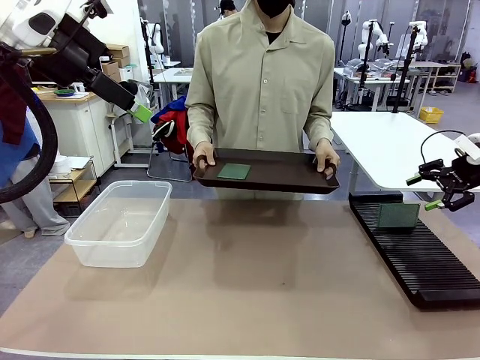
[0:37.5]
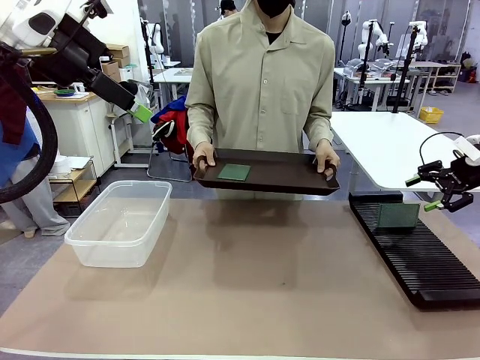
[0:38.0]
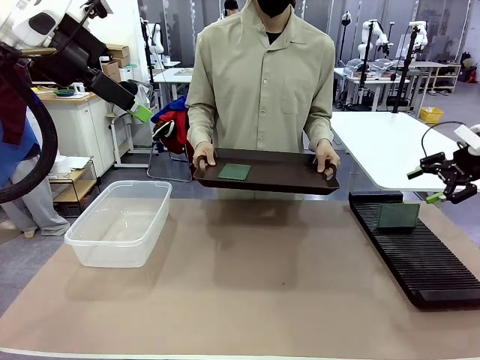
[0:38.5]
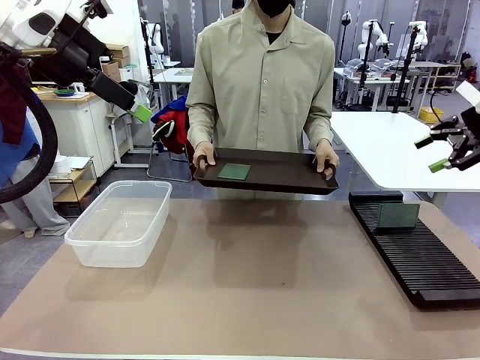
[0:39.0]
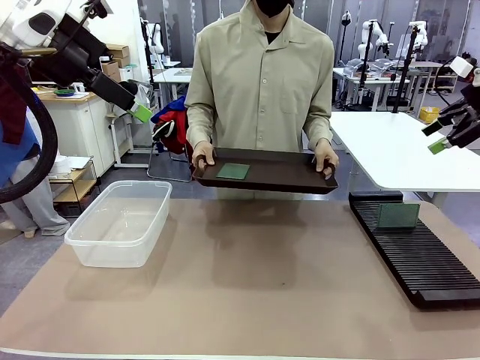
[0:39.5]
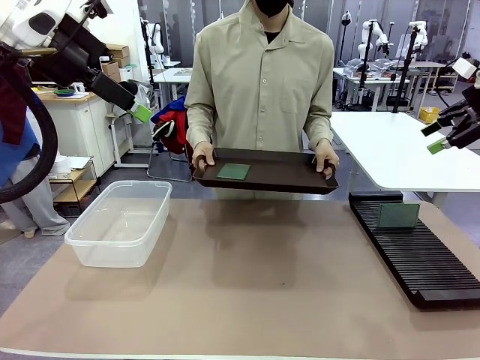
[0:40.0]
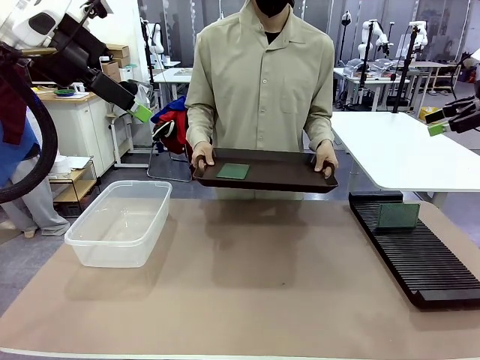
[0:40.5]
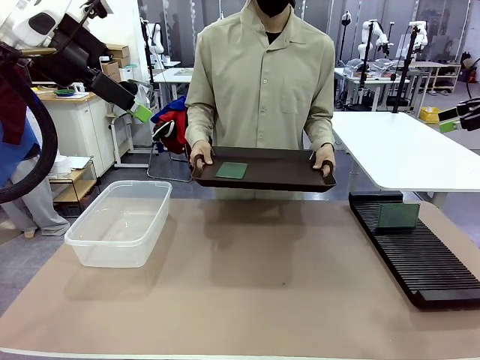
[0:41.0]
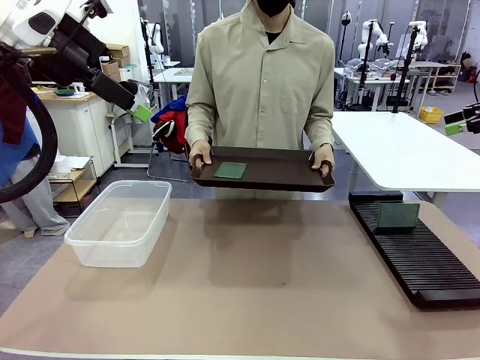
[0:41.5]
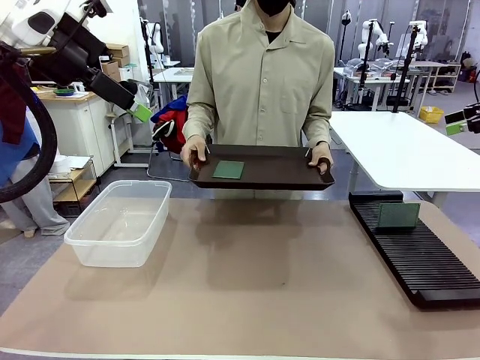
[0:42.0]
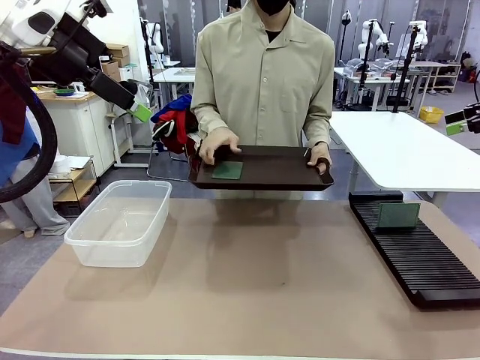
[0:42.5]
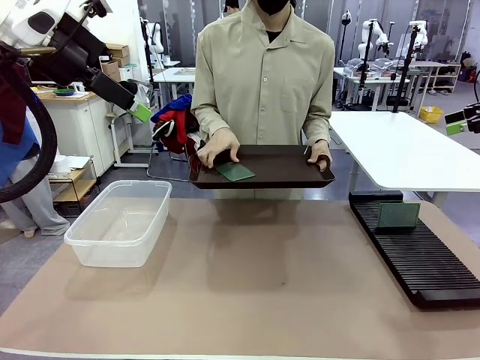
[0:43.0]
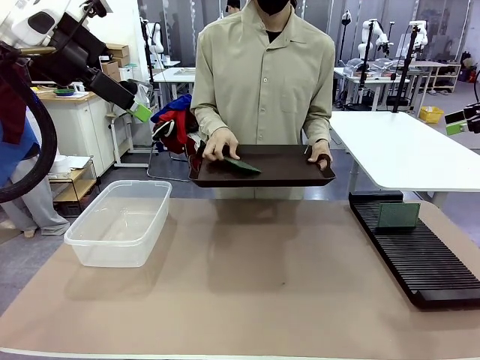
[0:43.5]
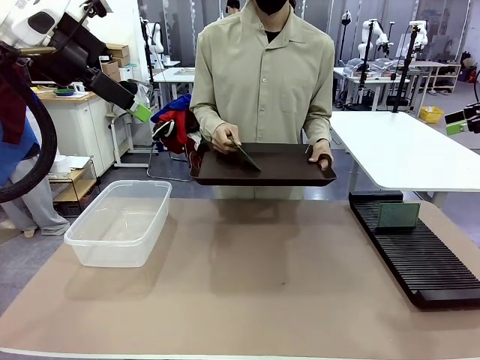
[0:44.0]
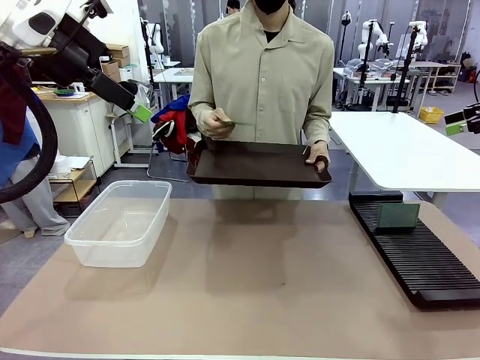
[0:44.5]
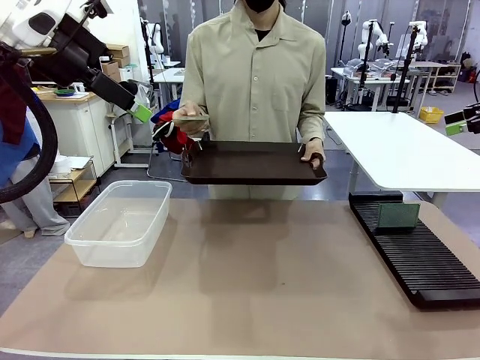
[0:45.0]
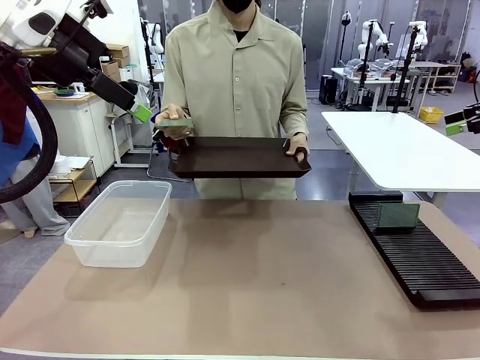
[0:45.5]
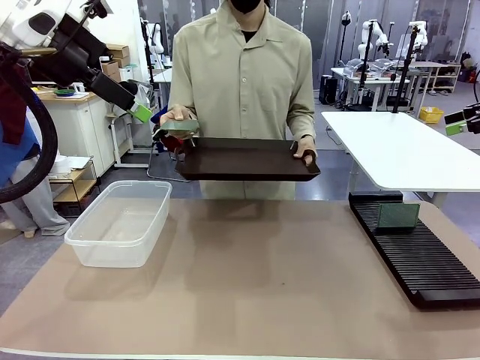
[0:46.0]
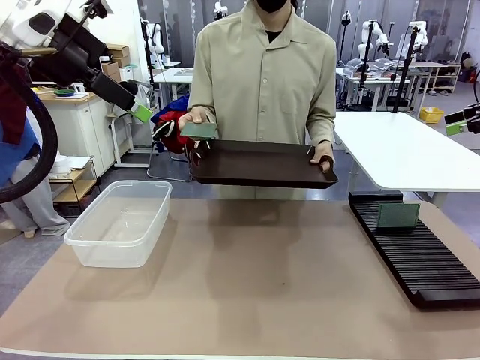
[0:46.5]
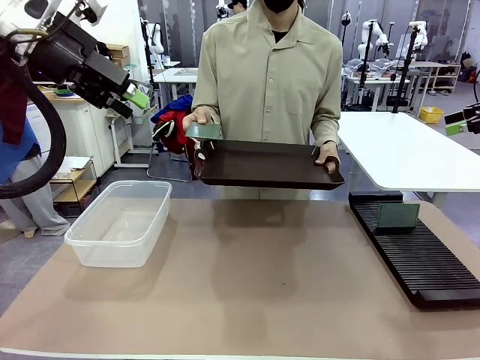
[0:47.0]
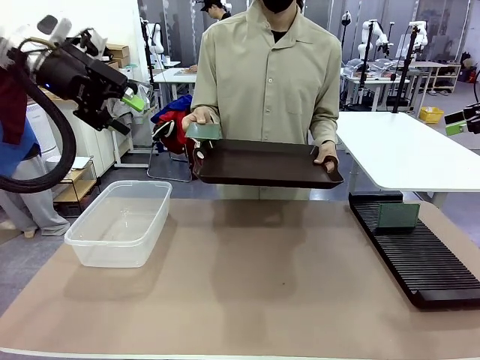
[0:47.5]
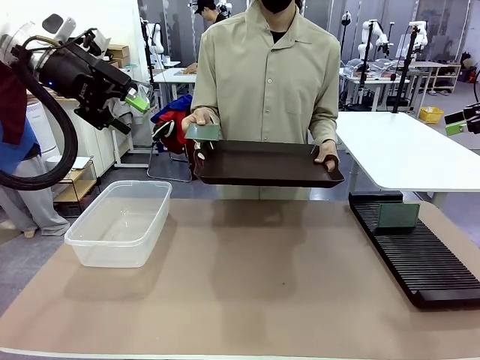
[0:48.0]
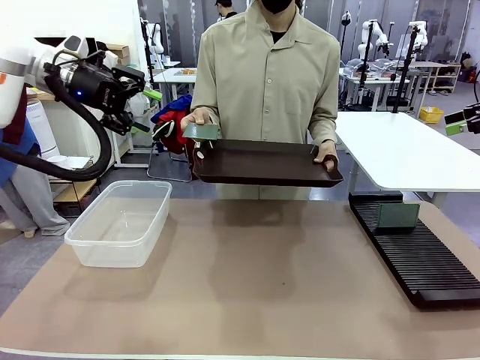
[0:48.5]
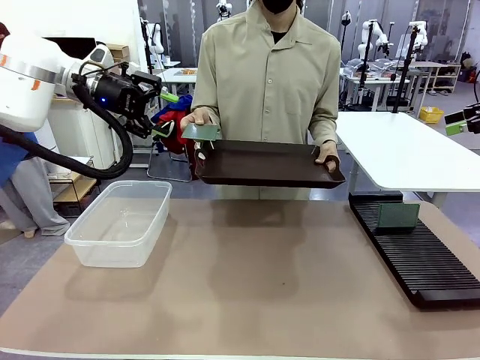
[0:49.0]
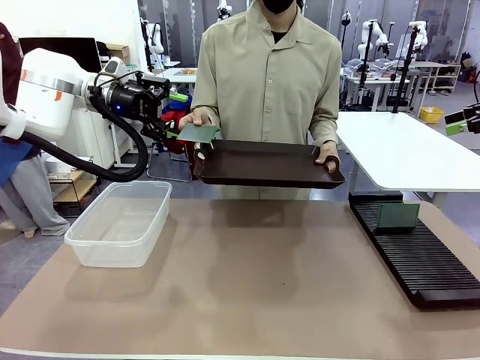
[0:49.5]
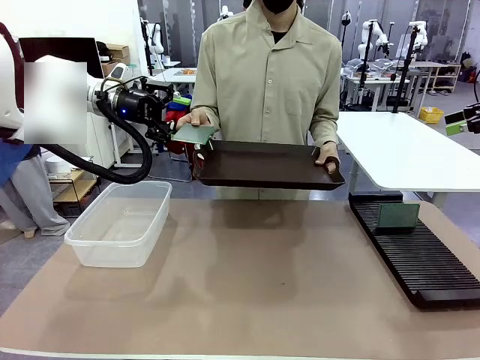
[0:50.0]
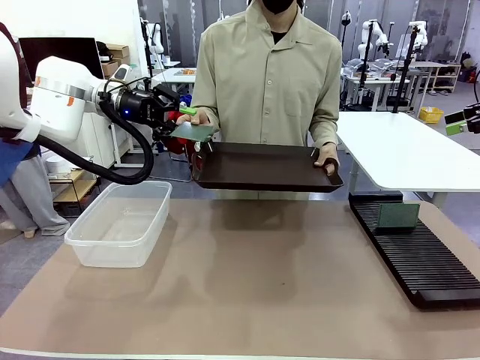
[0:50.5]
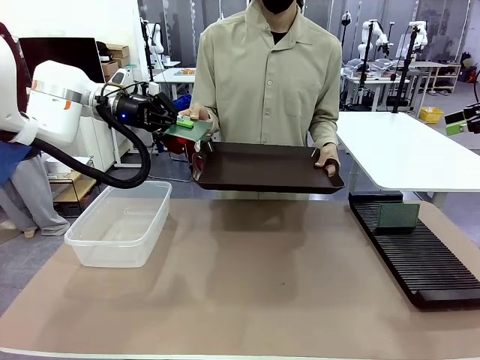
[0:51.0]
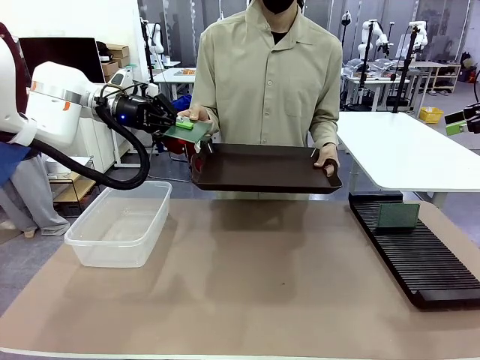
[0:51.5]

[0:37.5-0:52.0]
Task: Sort PCBs into racks and boxes based on the side picked up.
Robot: Pick up the Blank PCB handed by the Human.

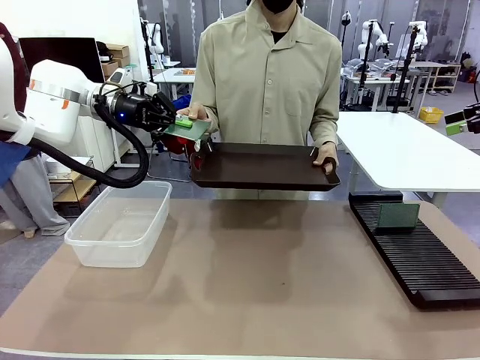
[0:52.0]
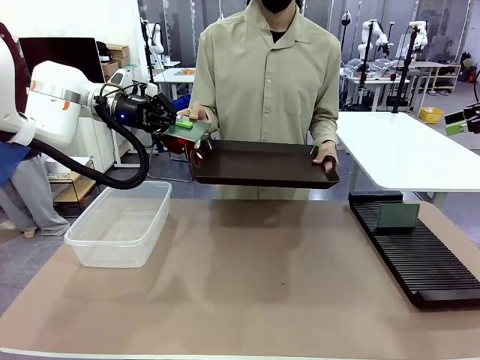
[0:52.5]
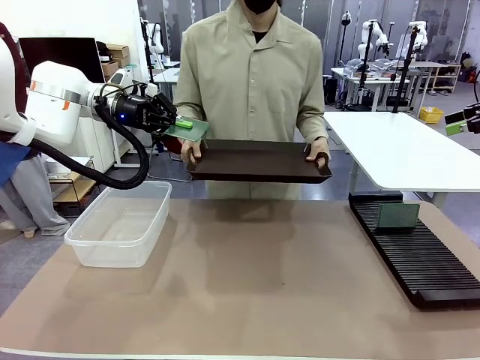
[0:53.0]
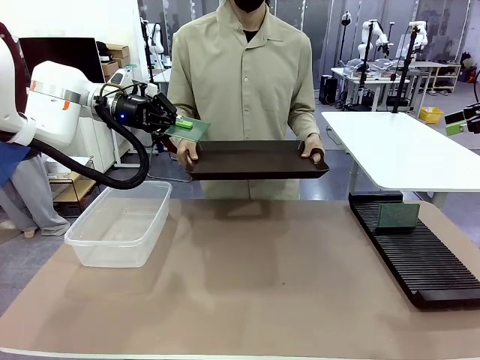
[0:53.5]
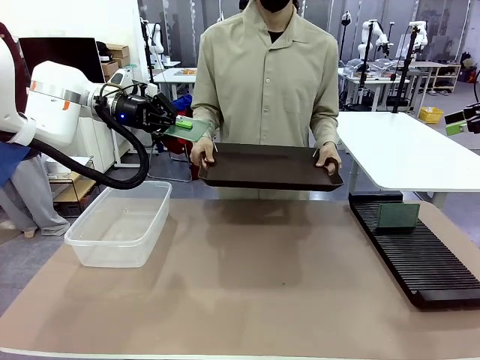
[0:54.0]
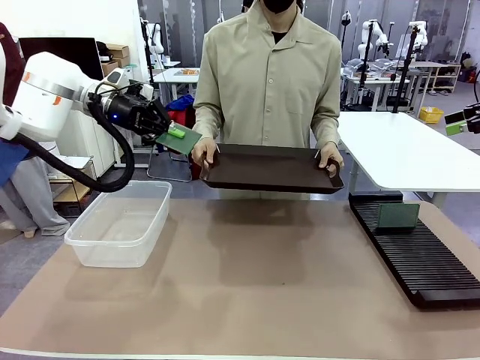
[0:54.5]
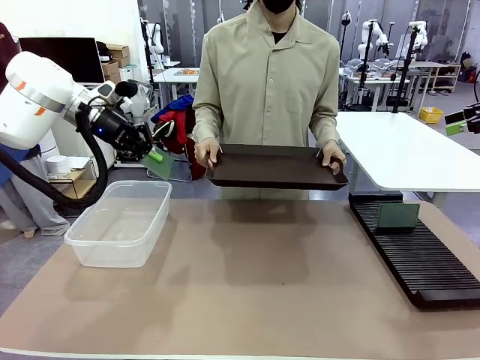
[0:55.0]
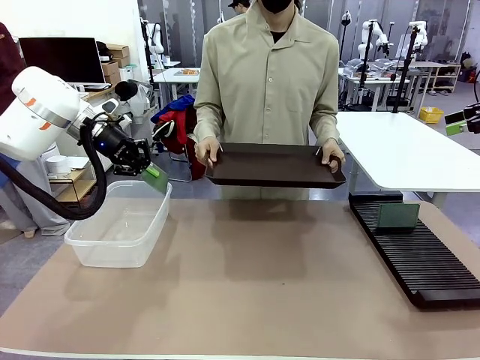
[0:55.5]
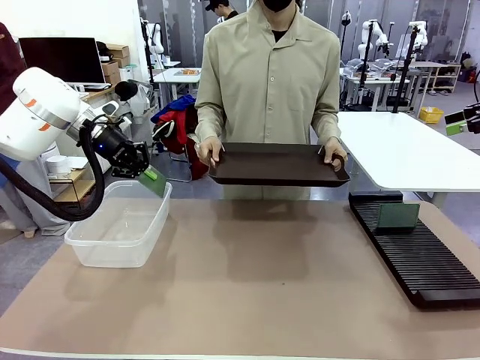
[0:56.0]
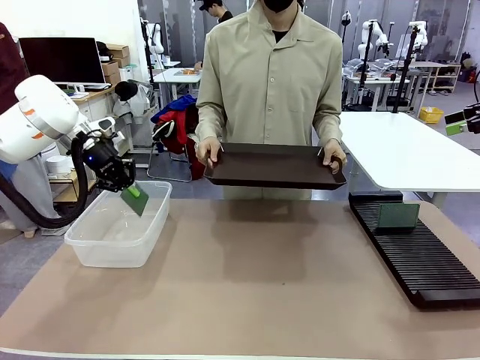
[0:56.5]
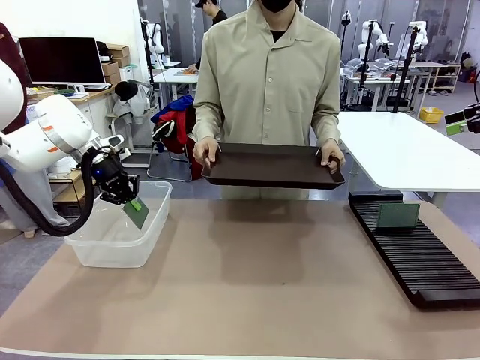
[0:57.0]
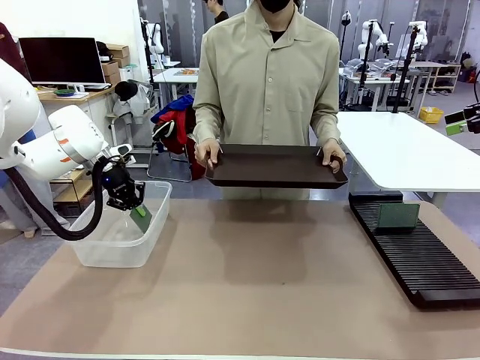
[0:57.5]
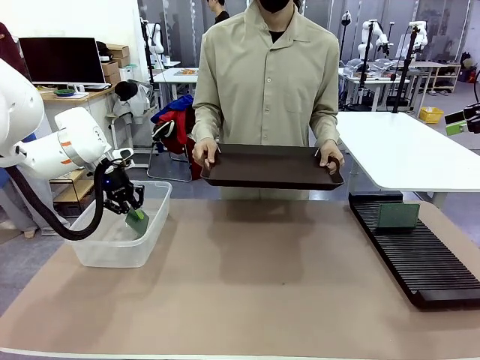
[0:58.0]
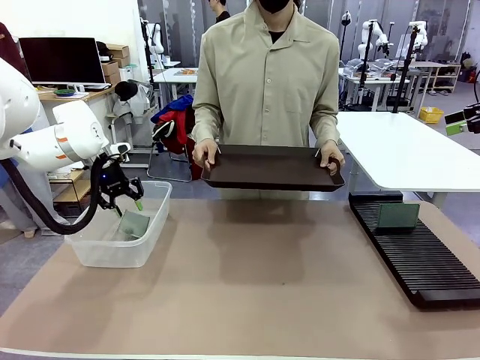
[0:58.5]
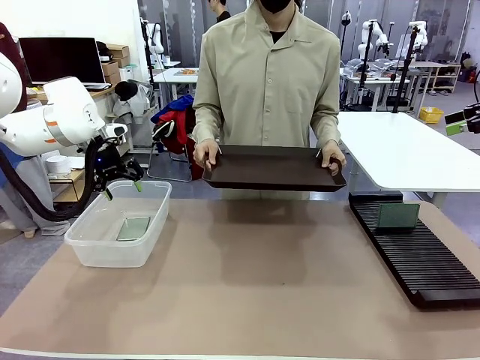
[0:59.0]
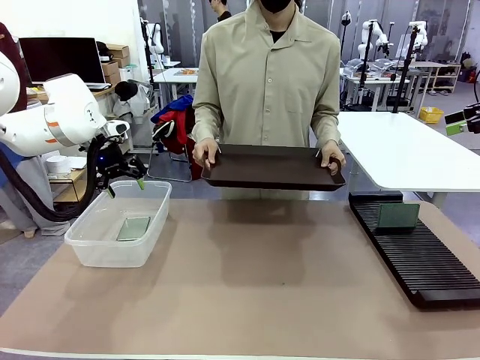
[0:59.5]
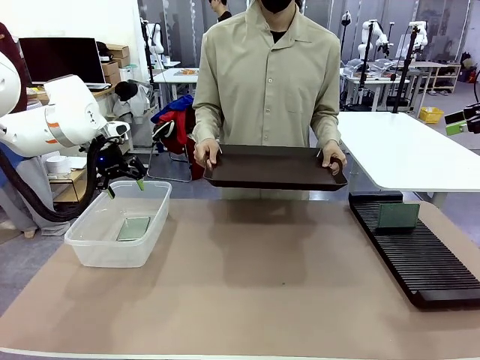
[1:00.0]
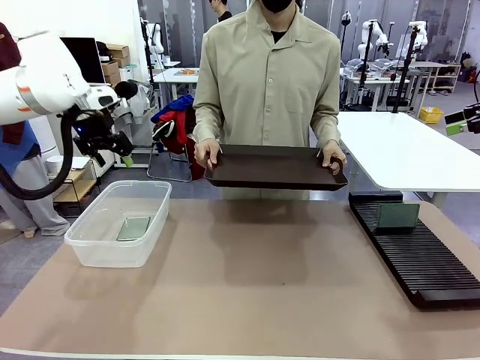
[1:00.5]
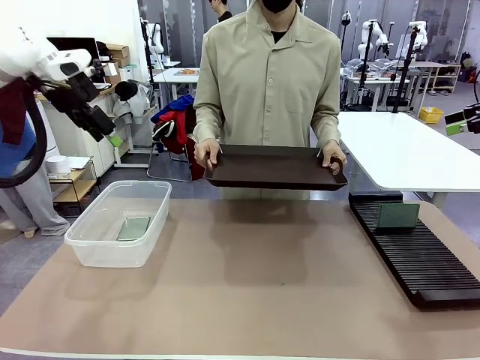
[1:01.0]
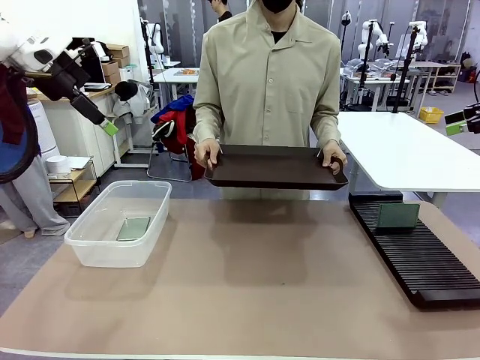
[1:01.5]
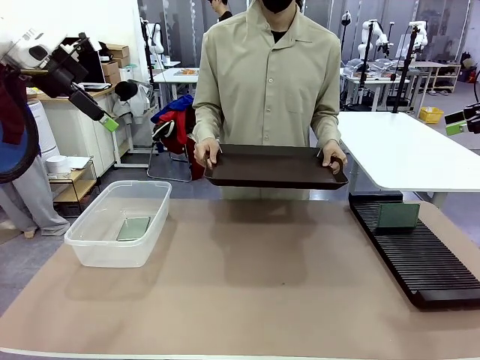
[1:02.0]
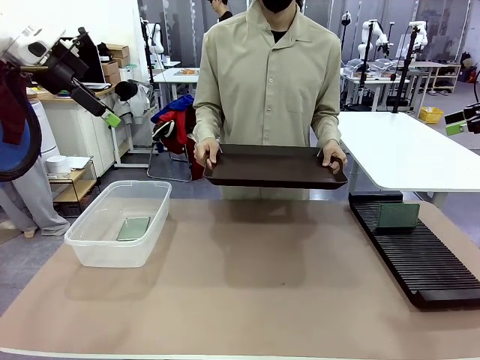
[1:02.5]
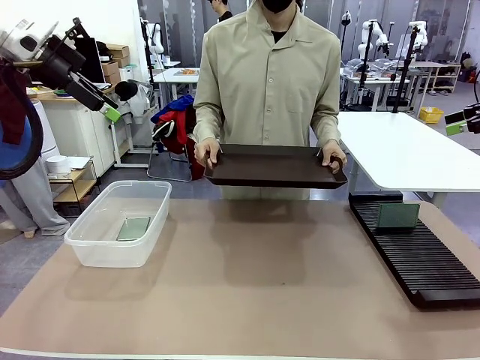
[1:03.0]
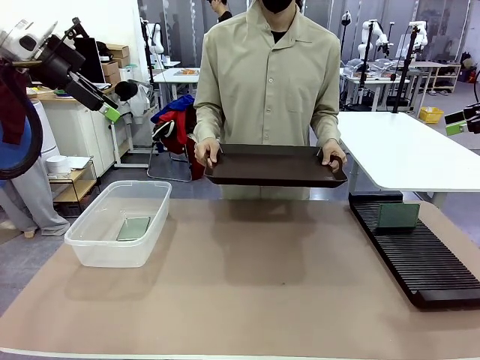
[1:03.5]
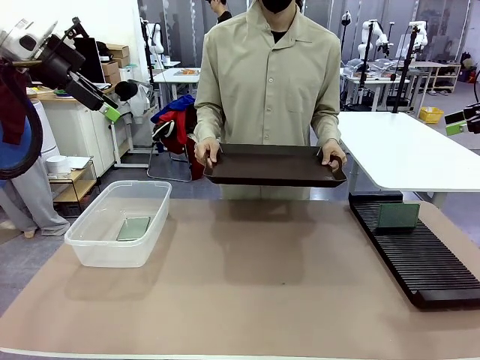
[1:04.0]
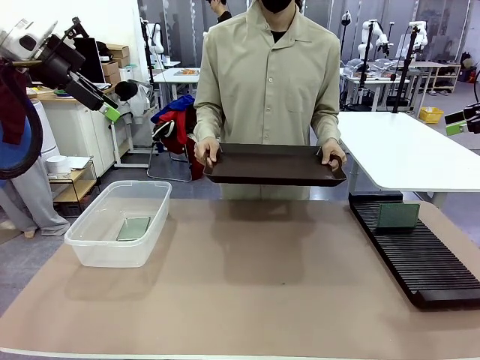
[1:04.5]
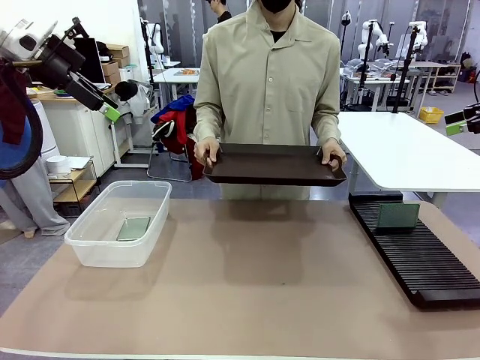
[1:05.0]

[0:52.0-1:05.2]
Robot: If the short side of the Blank PCB is picked up, insert it into the PCB Rack ; if the long side is picked up, place it in the Organizing box.
Person: Release the PCB being held.
